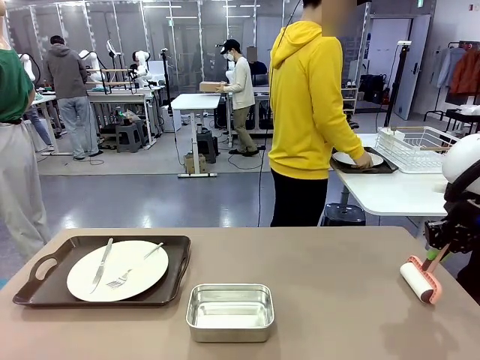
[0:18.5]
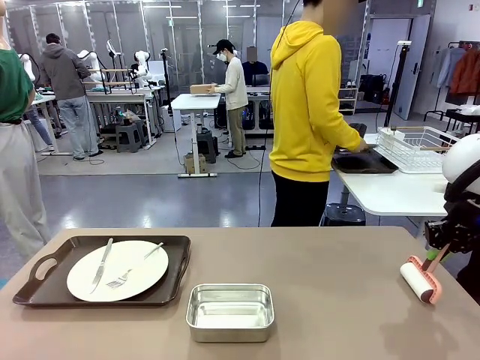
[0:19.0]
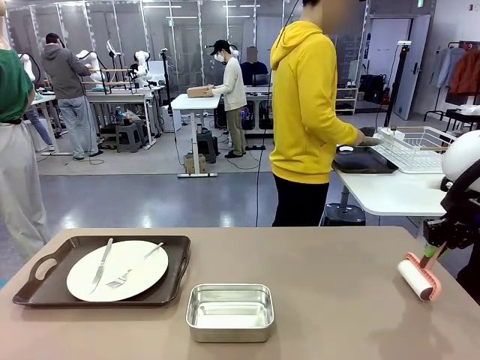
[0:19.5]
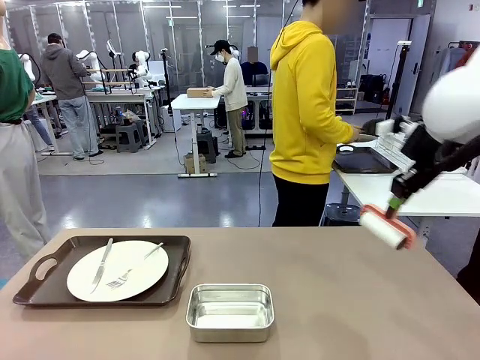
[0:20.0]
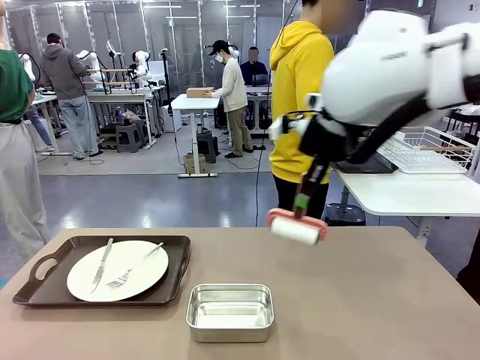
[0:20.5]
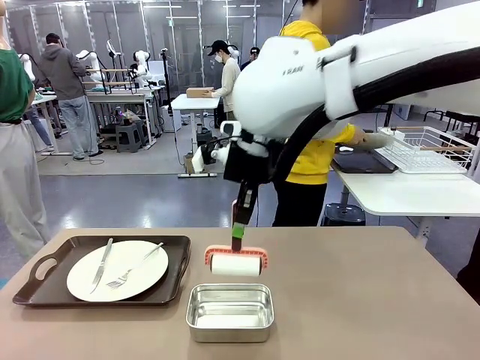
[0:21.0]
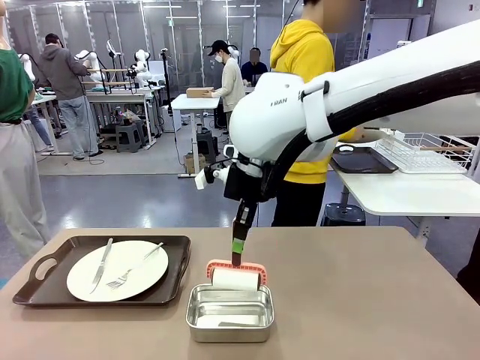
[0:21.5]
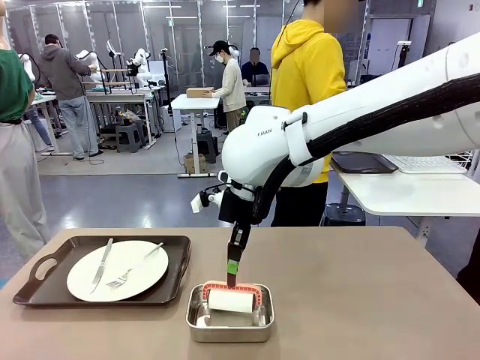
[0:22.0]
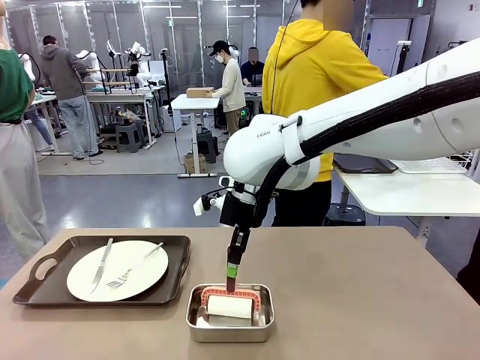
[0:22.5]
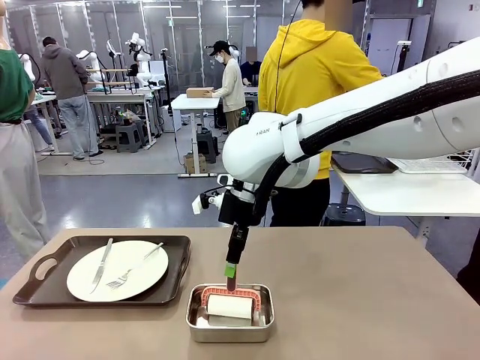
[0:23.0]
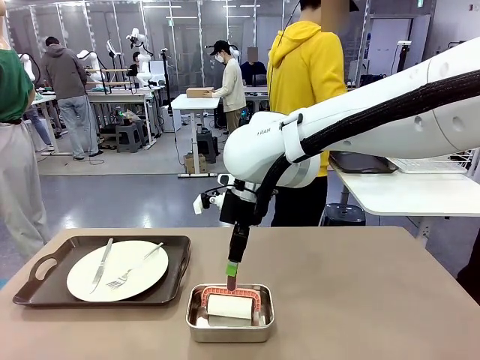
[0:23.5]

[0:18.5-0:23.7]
Robot: Place the Lint Roller back on top of the Airtight Container.

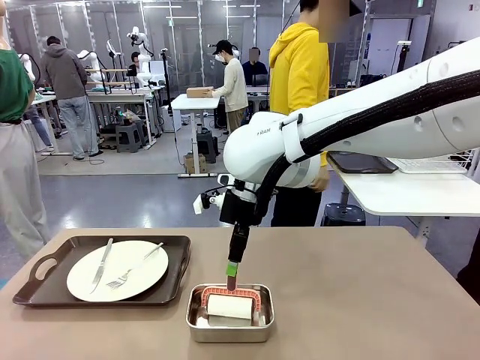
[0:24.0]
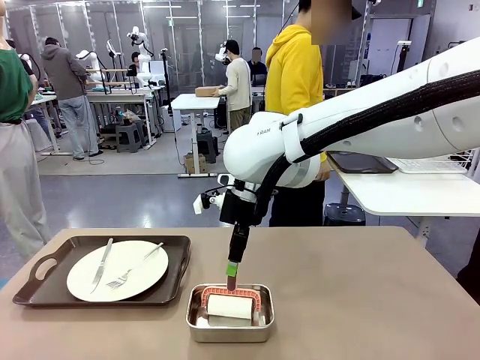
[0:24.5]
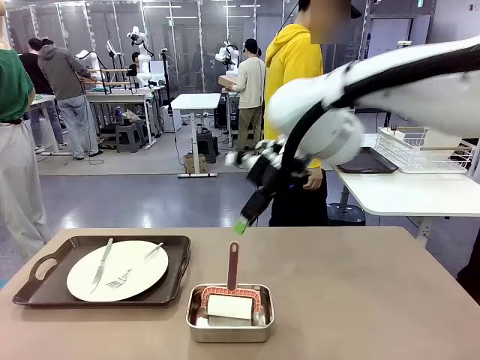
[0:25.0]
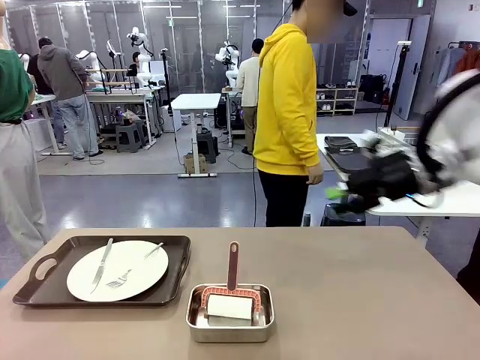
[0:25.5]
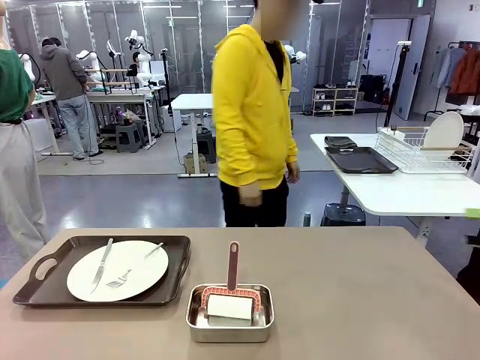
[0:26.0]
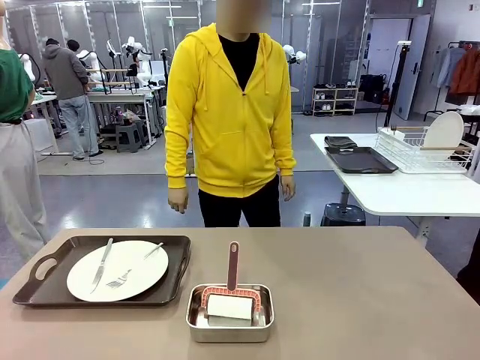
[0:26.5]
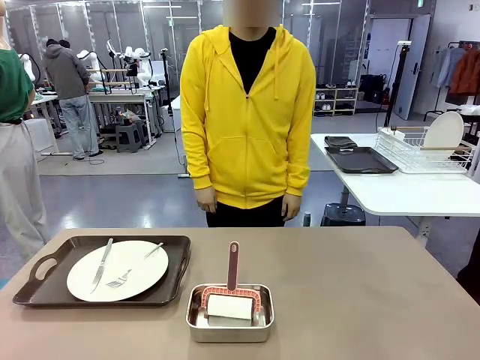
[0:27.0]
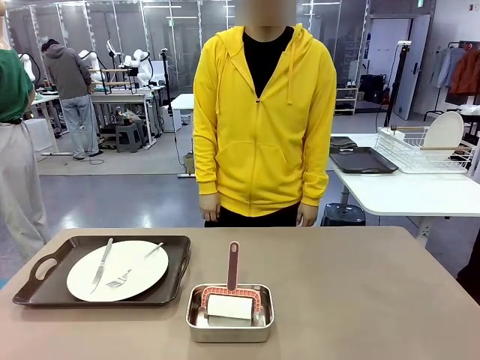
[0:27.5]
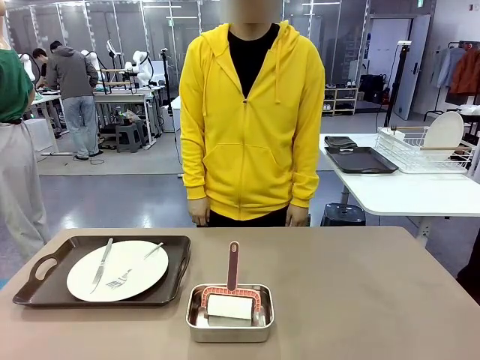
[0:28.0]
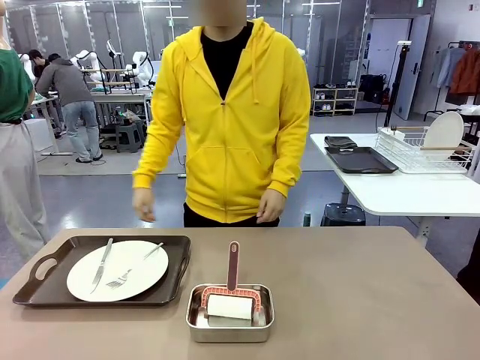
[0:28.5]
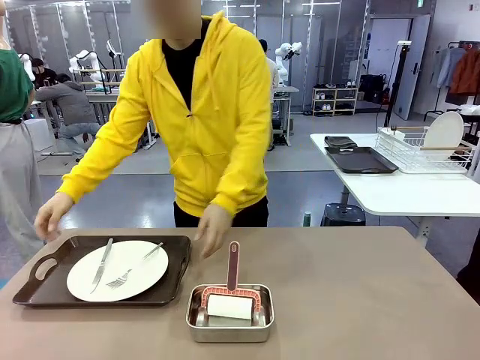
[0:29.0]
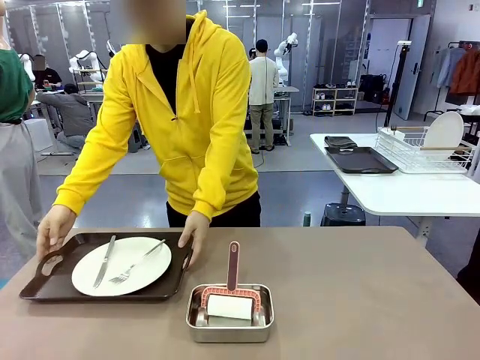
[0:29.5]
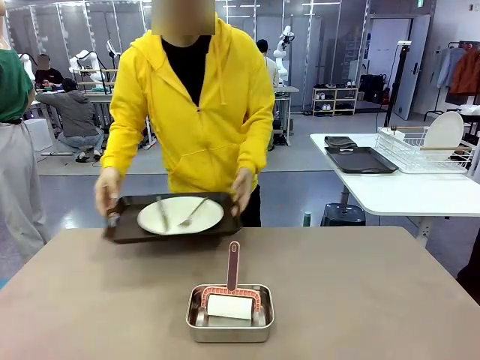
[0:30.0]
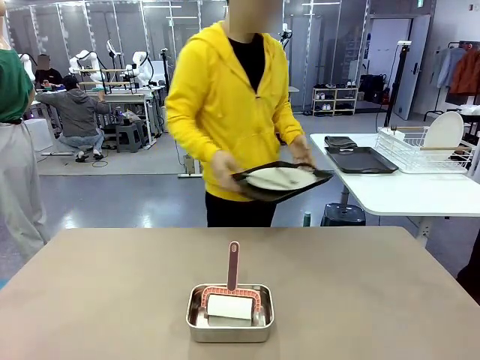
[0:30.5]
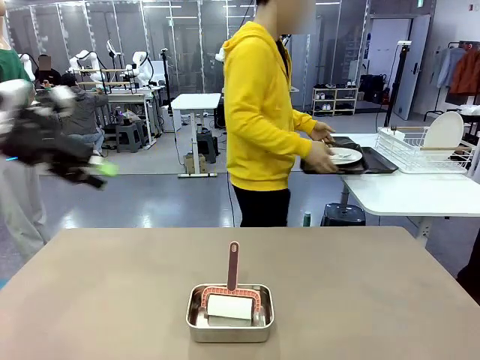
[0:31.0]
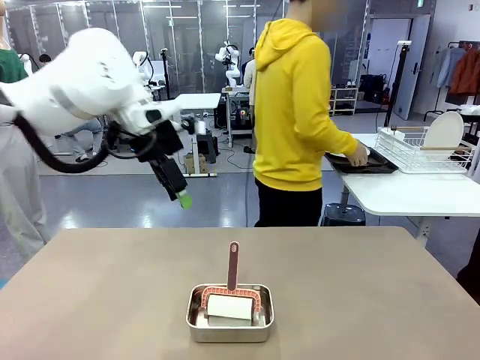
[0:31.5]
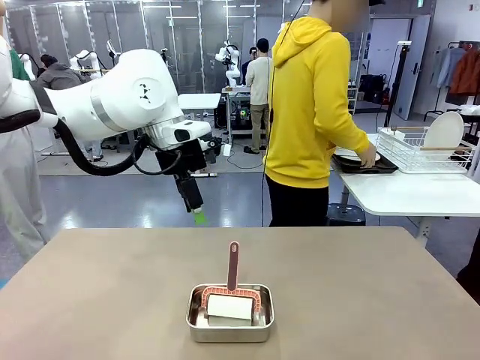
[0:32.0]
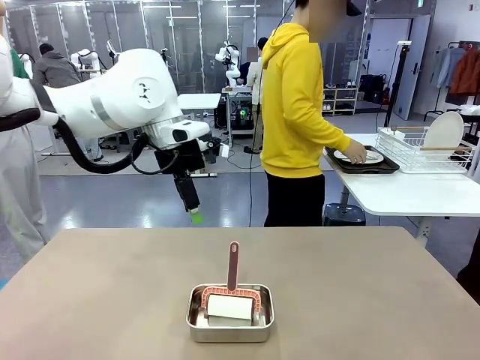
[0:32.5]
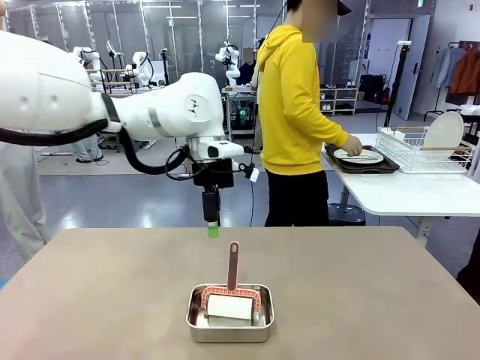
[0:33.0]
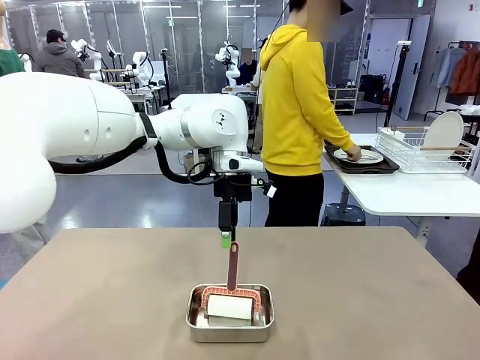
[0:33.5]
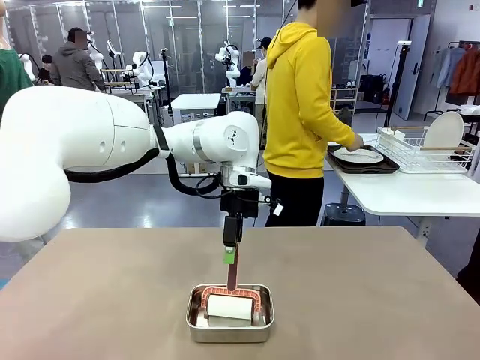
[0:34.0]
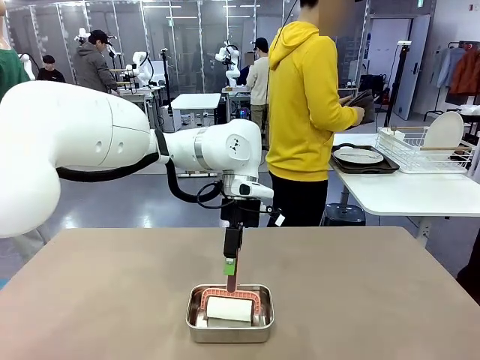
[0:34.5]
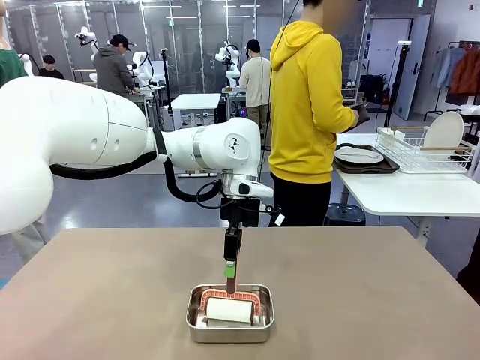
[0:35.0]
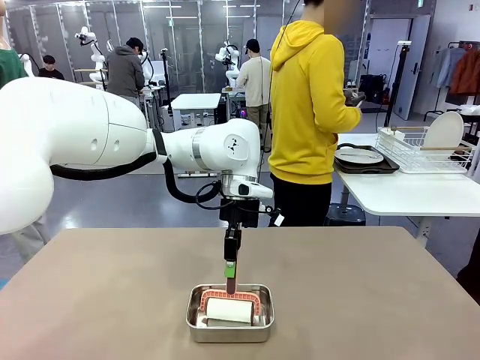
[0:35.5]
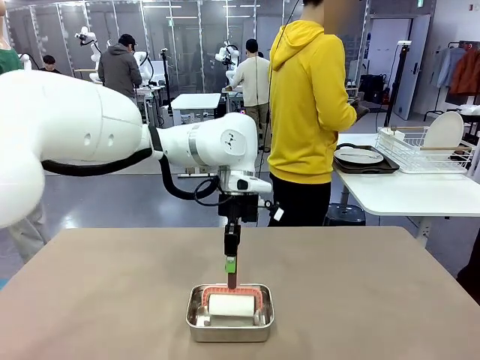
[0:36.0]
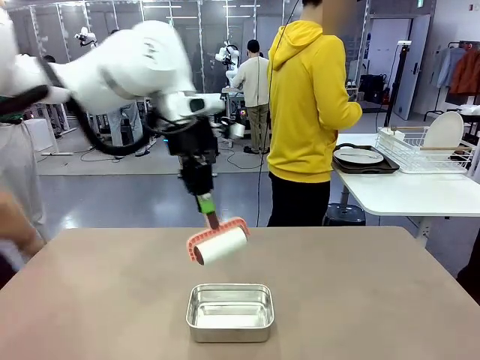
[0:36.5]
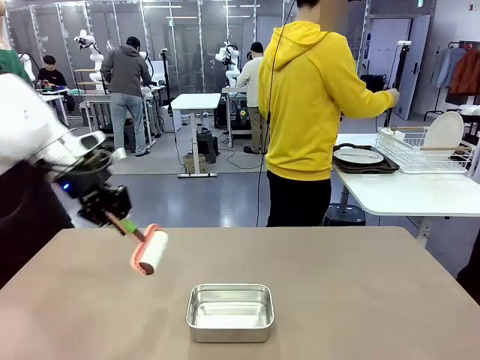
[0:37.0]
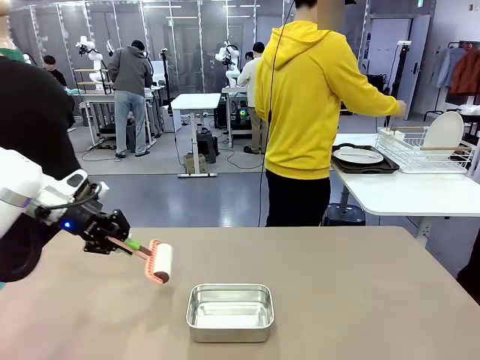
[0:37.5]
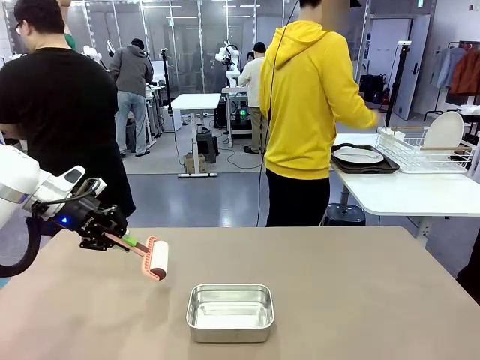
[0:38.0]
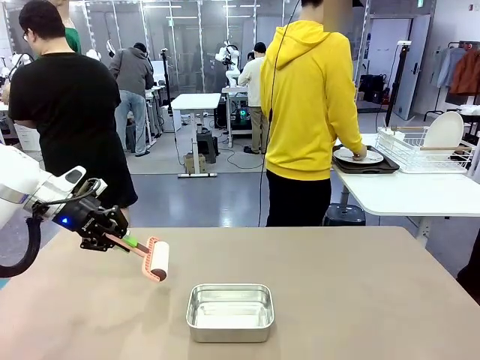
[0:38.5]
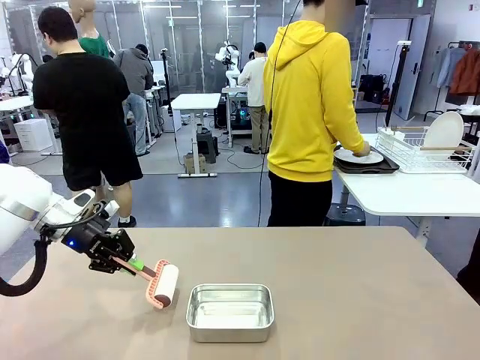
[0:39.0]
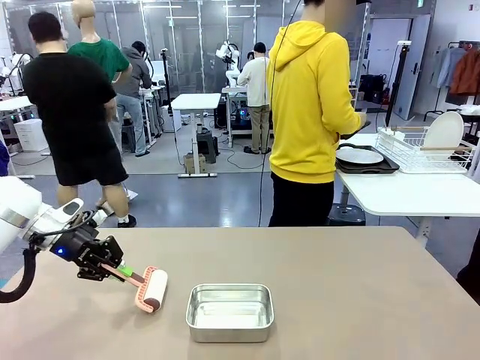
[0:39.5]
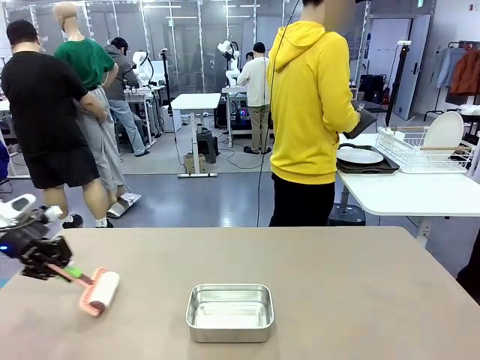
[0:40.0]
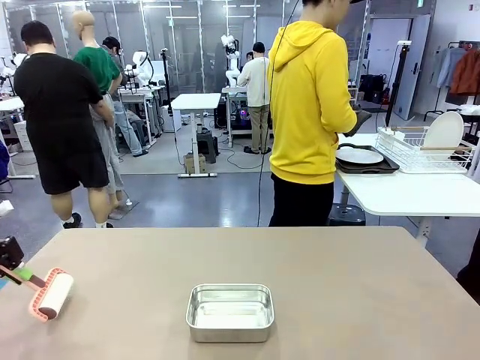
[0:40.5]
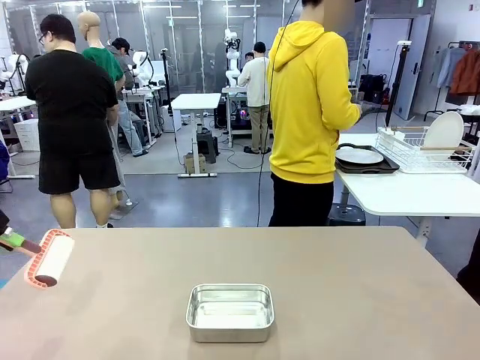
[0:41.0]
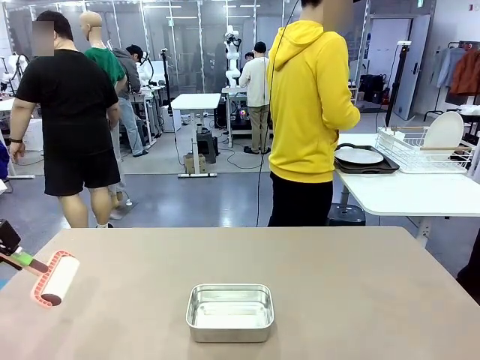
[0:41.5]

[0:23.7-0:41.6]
Robot: When the right (or left) Handle tray is removed, use the right hand (or left hand) to clean the right (or left) side of the table with the Lint Roller.
Person: Pick up the left (or right) Handle tray and place it on the Handle tray.

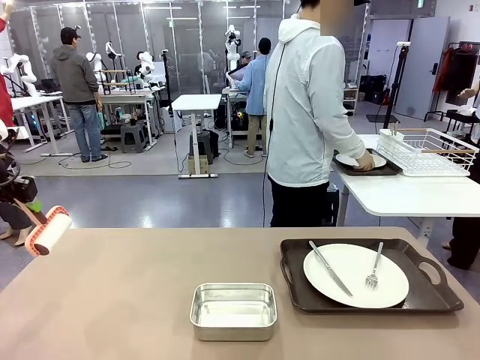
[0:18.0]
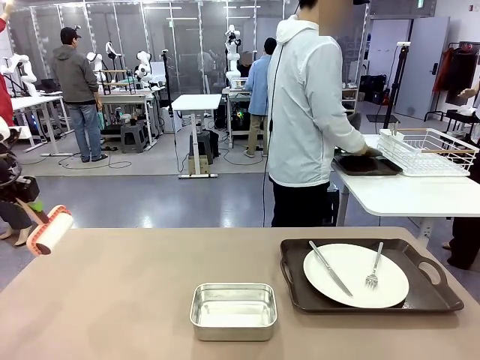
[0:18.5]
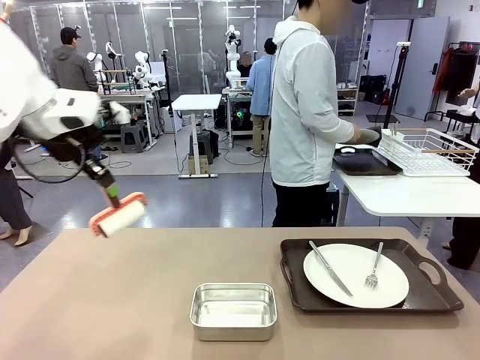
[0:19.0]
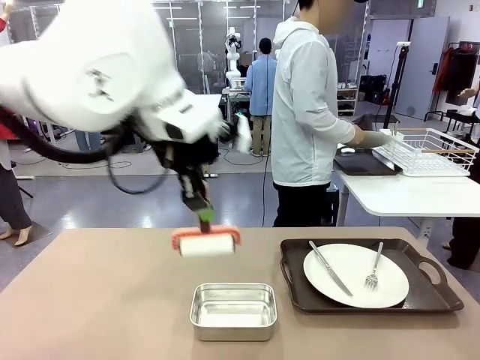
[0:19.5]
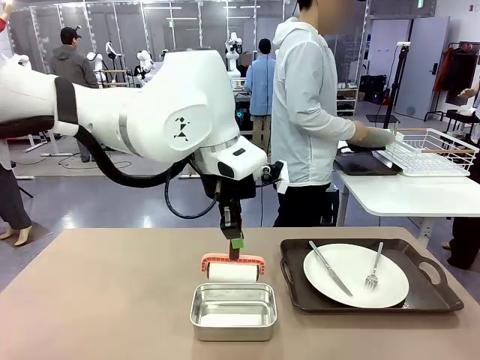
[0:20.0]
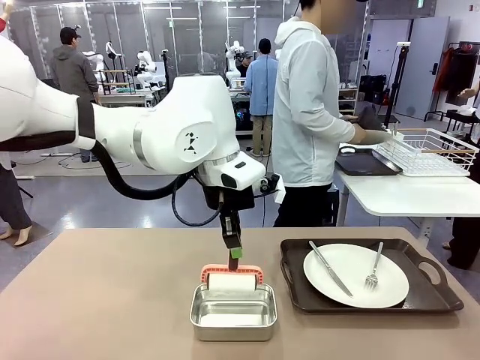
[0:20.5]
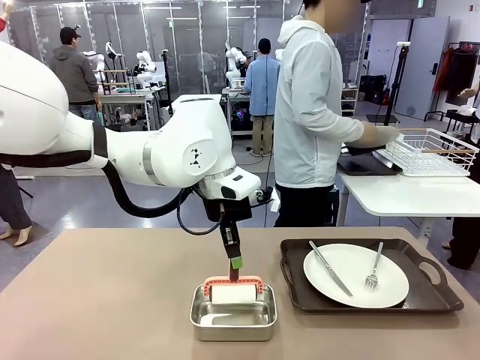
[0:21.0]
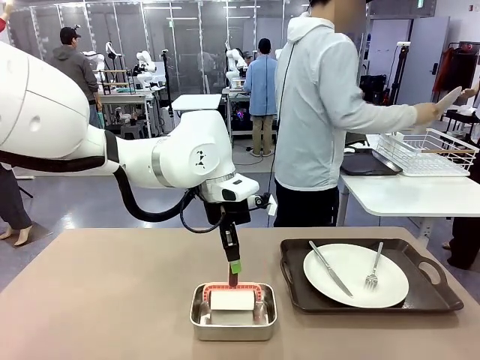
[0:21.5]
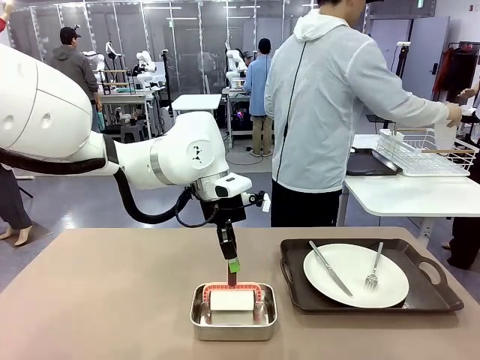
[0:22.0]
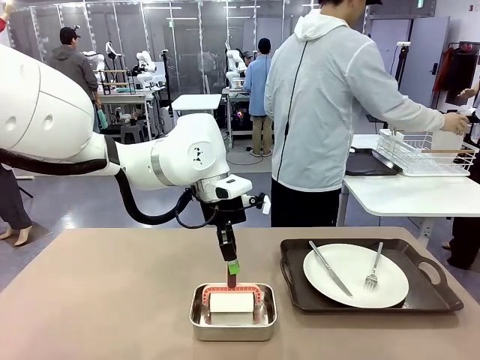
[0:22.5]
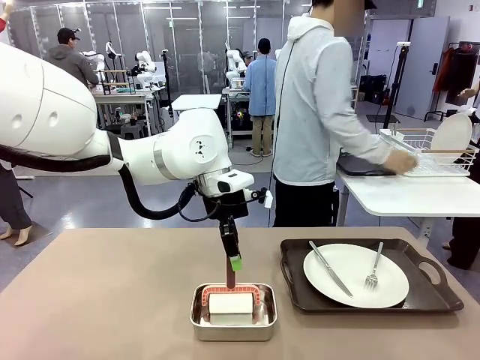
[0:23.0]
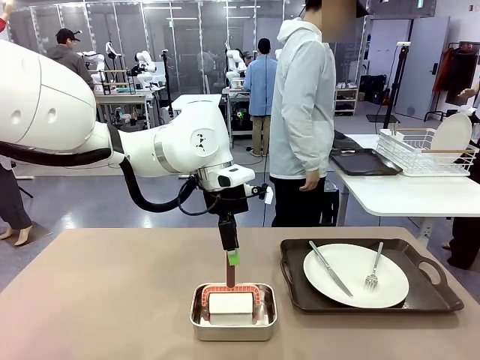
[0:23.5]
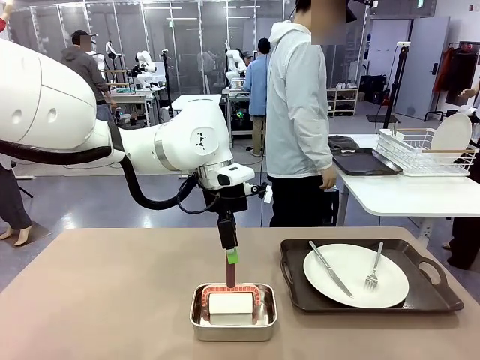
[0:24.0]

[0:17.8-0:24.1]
Robot: Place the Lint Roller back on top of the Airtight Container.
